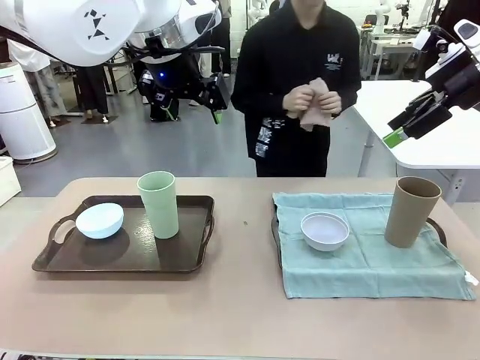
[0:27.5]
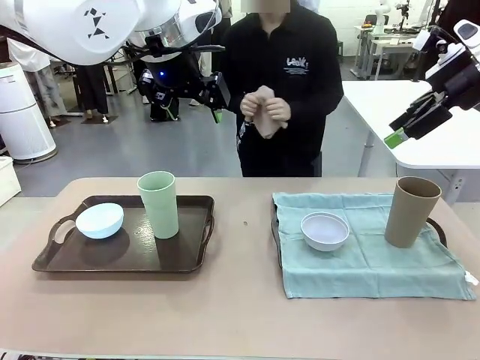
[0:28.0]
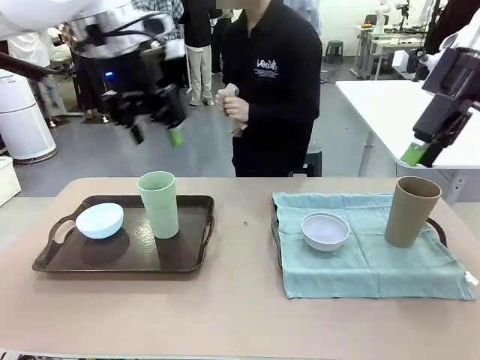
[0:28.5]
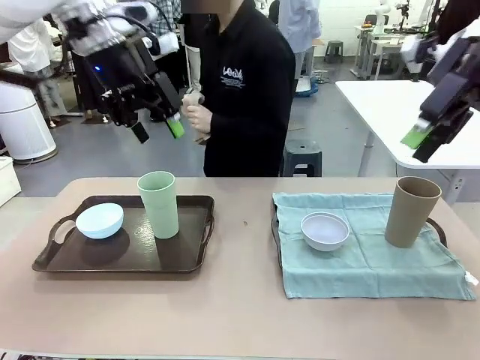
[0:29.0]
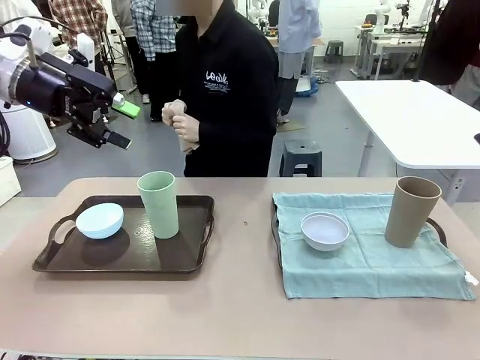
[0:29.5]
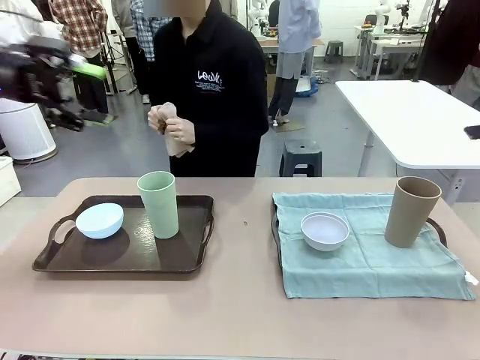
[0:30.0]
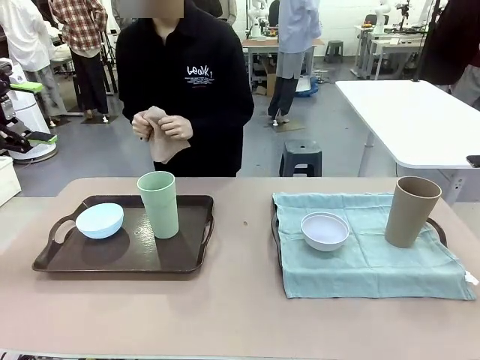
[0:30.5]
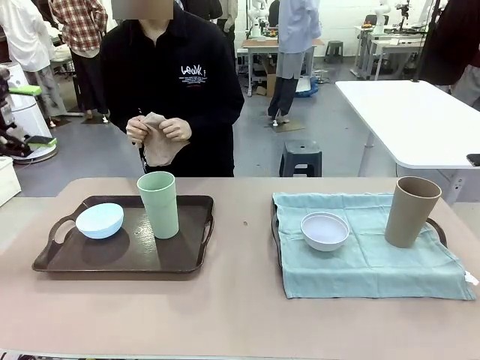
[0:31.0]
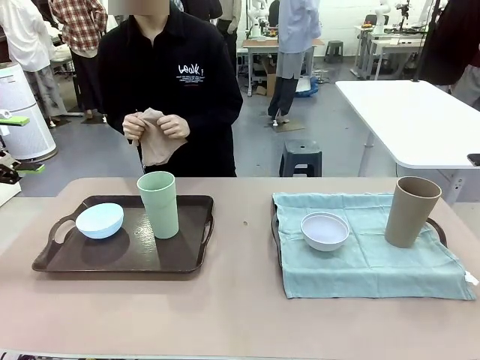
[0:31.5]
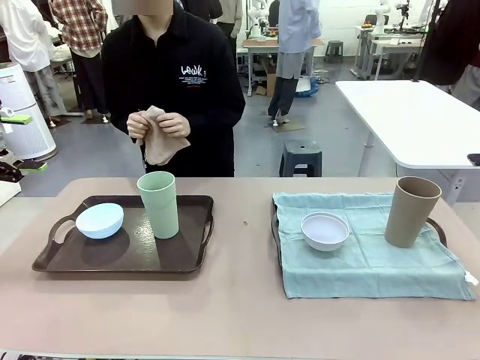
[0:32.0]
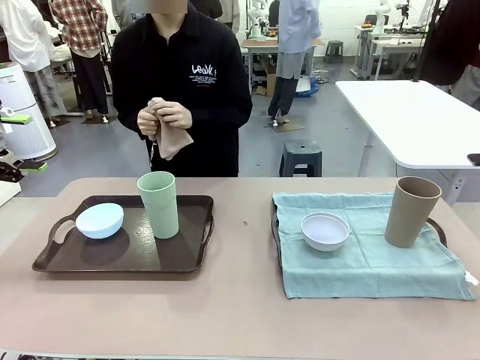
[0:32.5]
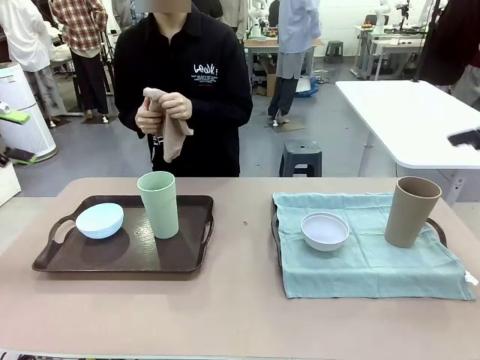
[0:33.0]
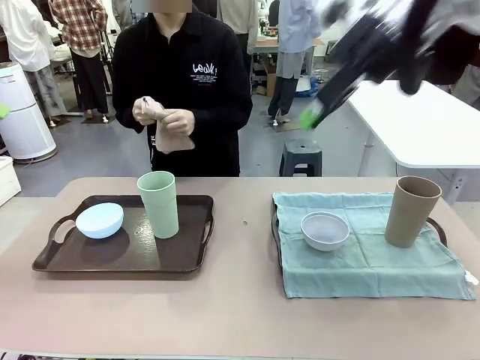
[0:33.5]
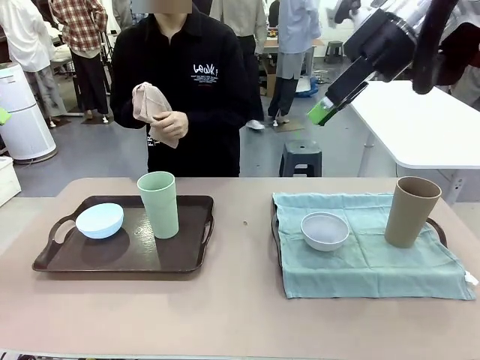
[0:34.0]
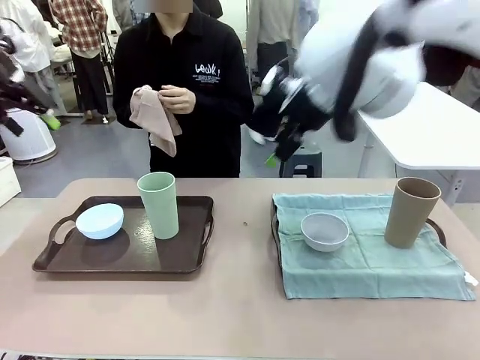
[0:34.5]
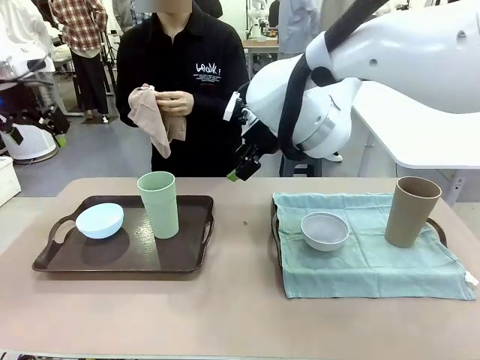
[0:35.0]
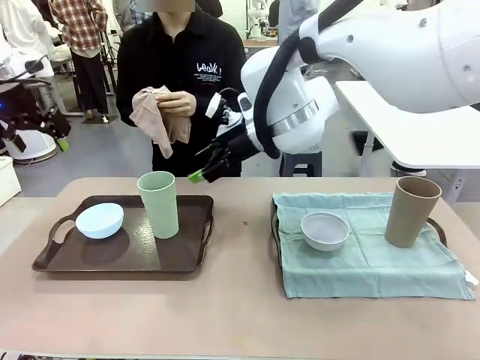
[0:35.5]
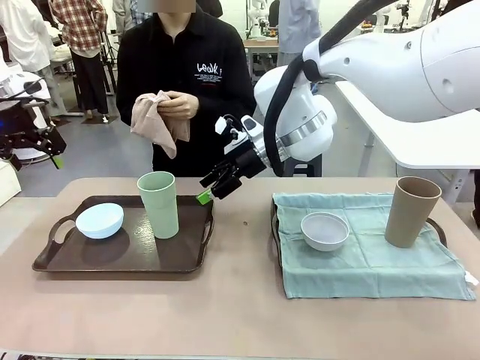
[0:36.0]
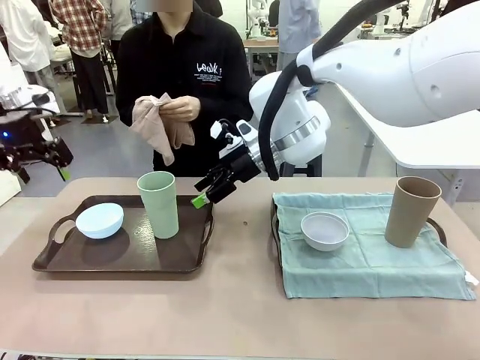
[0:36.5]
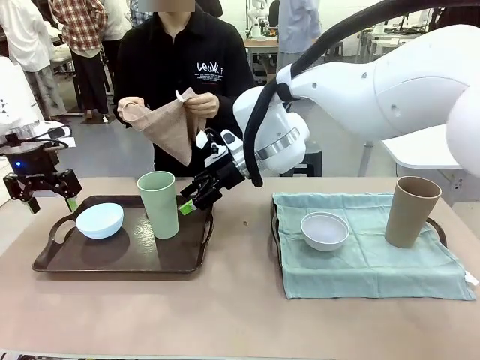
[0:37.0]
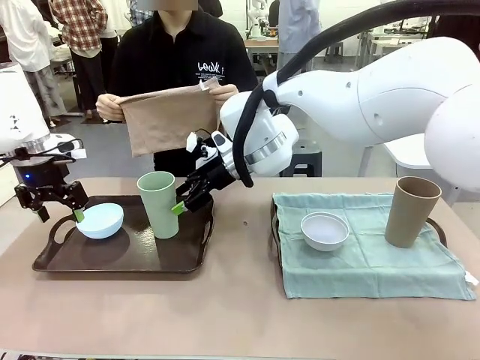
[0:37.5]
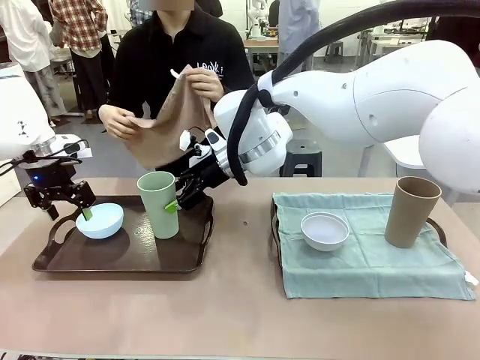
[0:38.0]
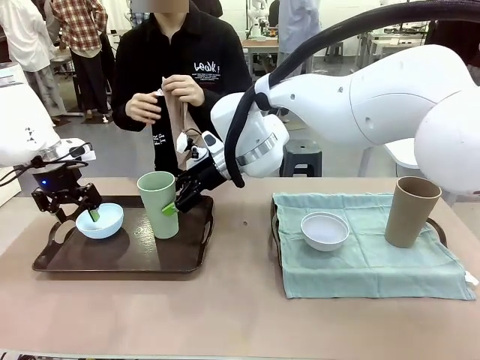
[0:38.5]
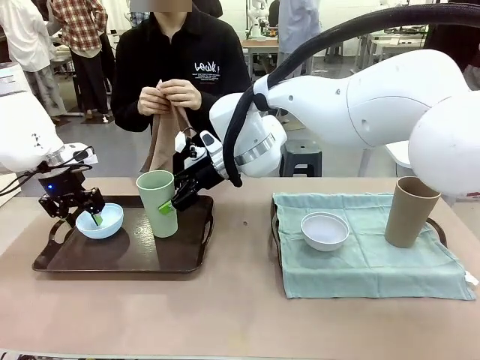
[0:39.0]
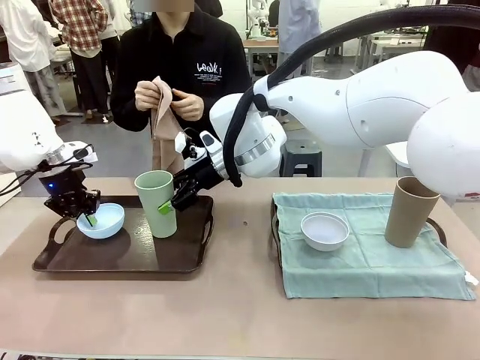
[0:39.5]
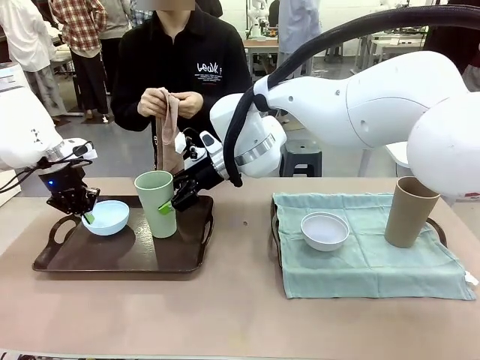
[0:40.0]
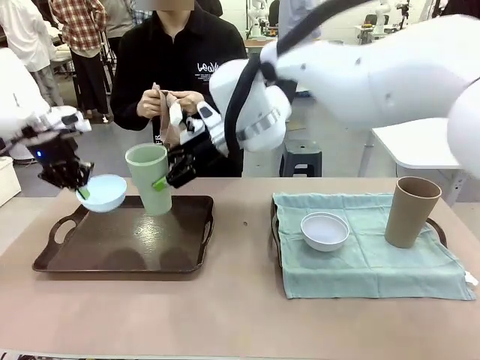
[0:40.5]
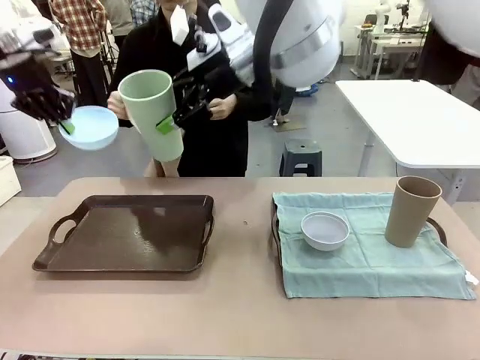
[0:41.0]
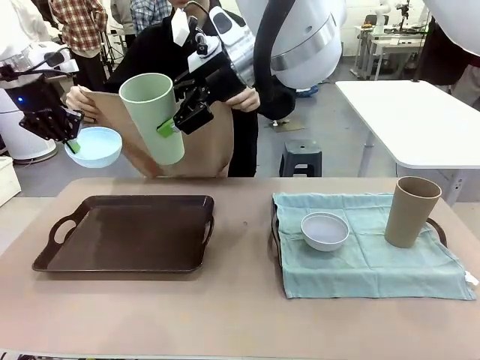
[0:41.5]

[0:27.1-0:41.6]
Robot: Pick up the Picnic Bowl and Reusable plastic cup from the Handle tray in front of the human's position and hold them in the air.

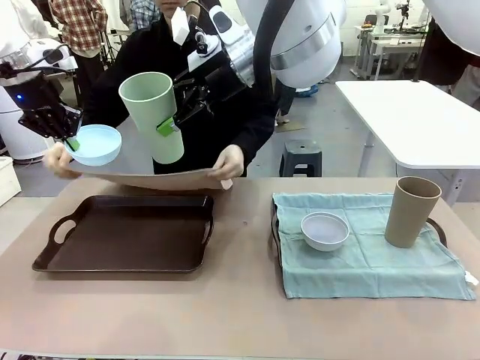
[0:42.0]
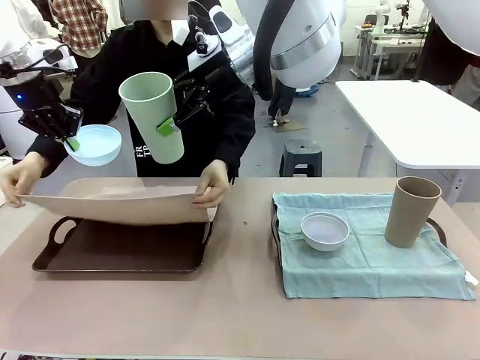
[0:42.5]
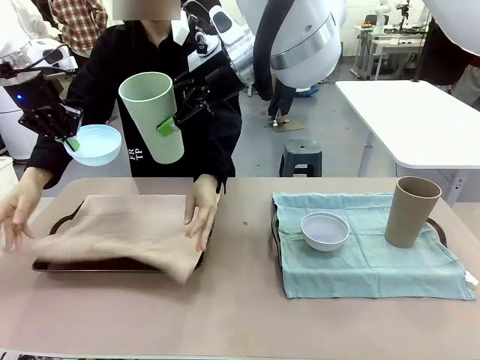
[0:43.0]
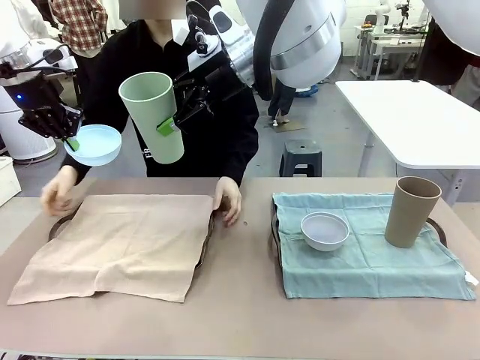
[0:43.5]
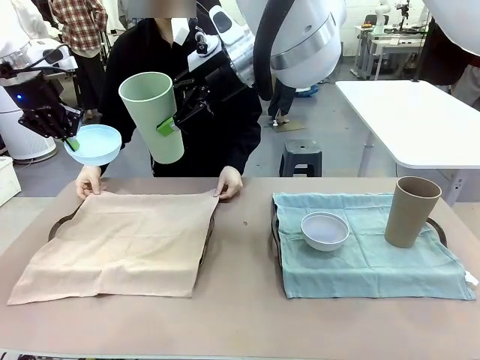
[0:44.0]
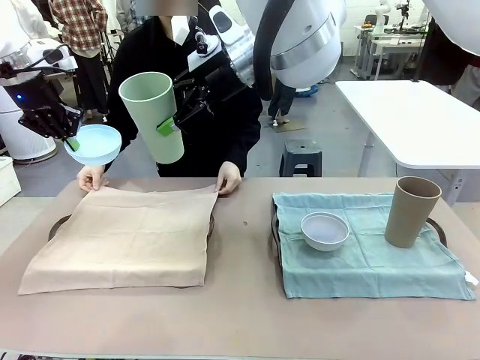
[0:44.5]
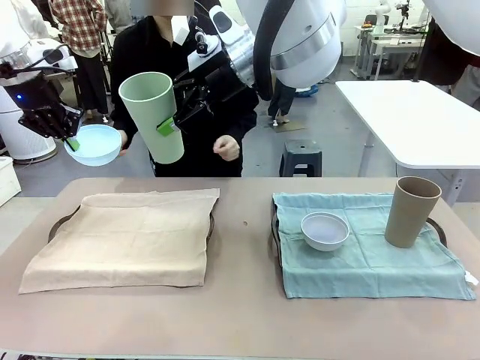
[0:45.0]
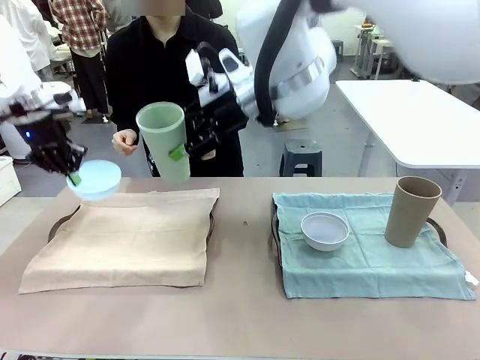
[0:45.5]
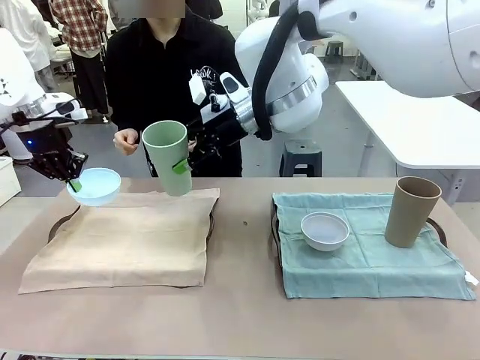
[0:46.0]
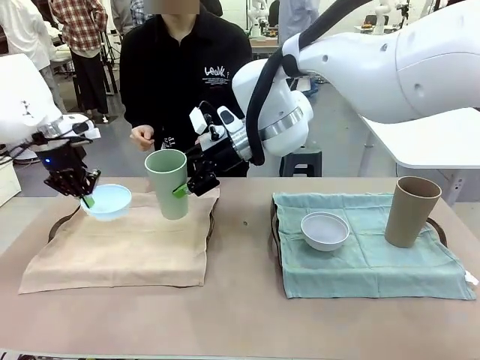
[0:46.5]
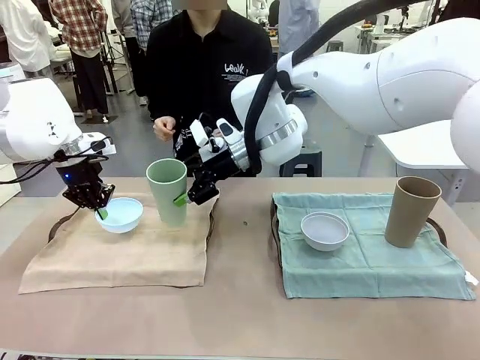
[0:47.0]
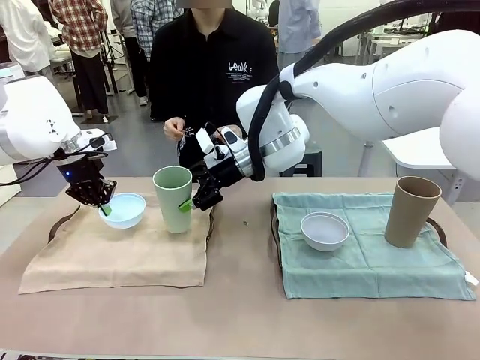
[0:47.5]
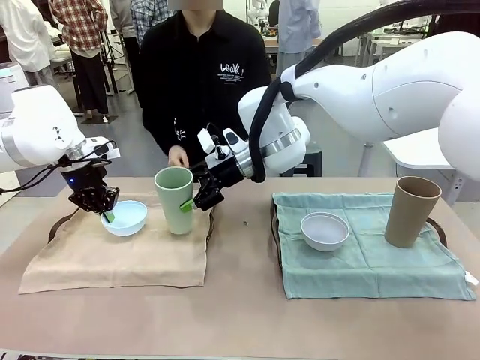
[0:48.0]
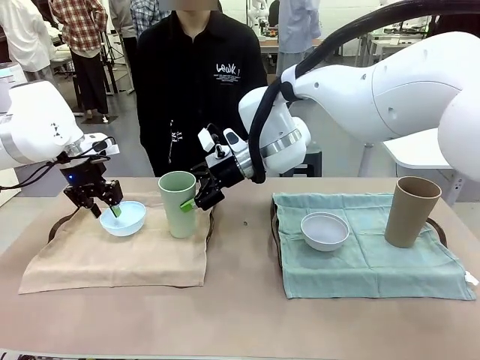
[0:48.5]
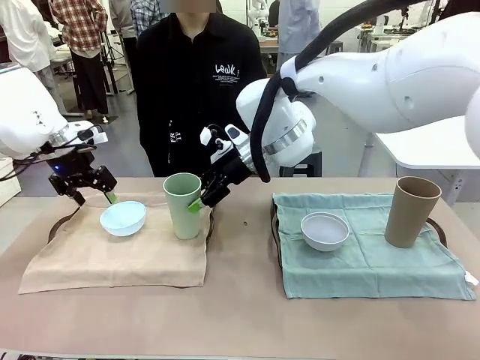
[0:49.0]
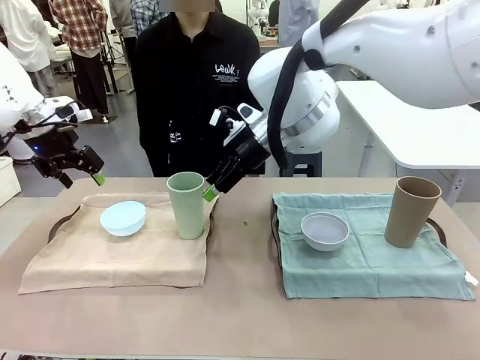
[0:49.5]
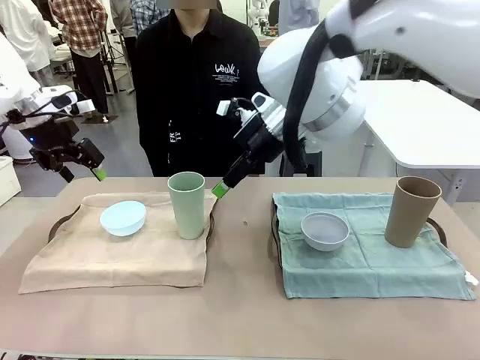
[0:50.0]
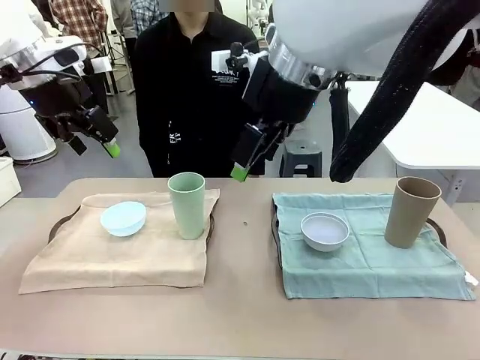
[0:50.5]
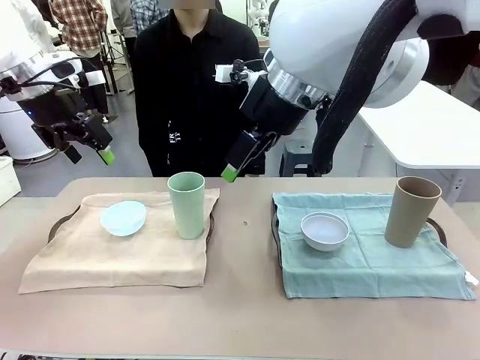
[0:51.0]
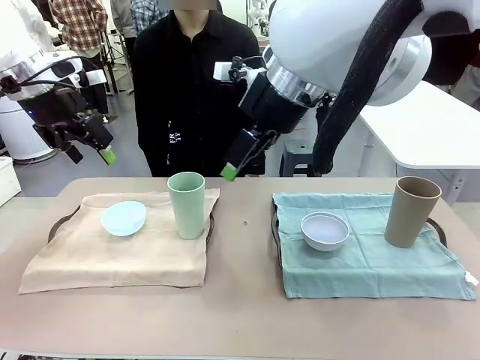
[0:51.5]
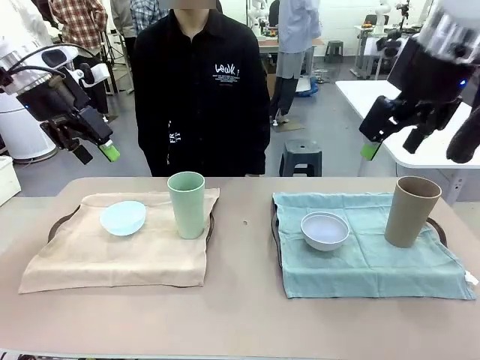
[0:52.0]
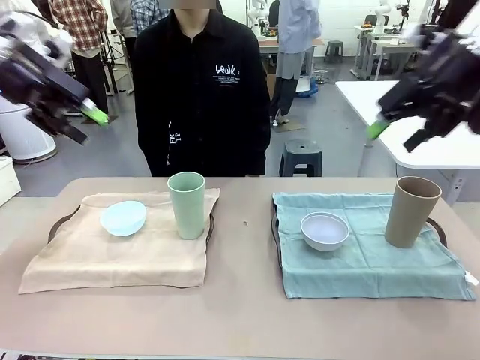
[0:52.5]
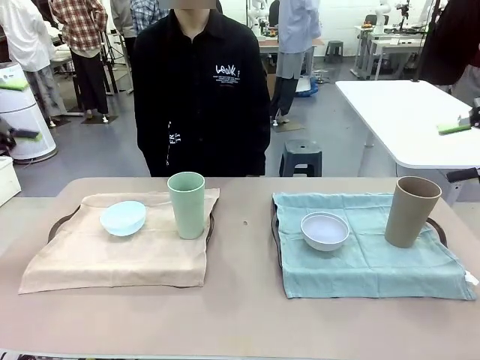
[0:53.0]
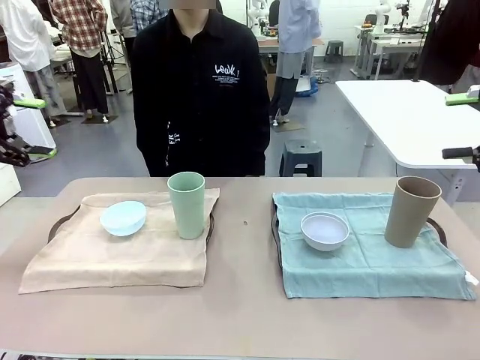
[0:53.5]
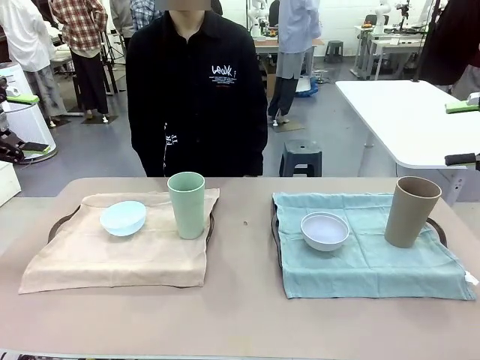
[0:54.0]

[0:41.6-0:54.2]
Robot: Place the Picnic Bowl and Reusable plastic cup back onto the Handle tray in front of the human's position.
Person: When the robot lifts the bowl and the cup, the human unfolds the napkin and lays the napkin flat on the tray.
